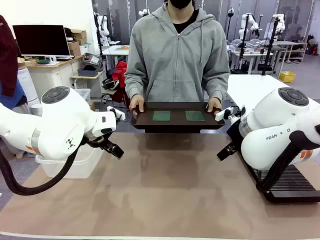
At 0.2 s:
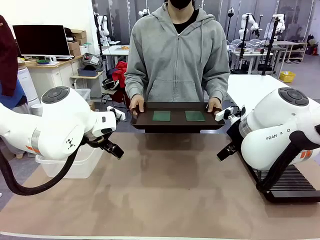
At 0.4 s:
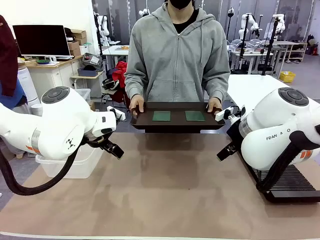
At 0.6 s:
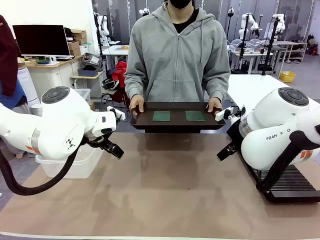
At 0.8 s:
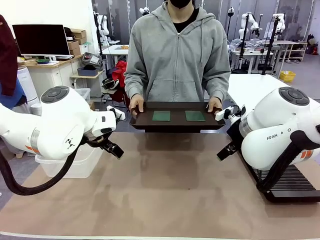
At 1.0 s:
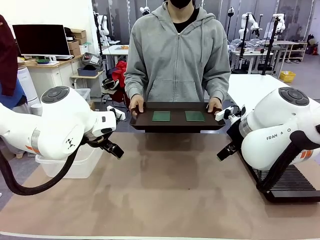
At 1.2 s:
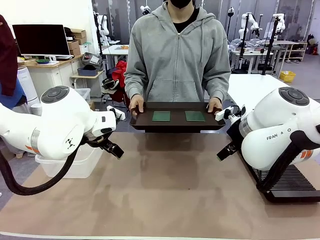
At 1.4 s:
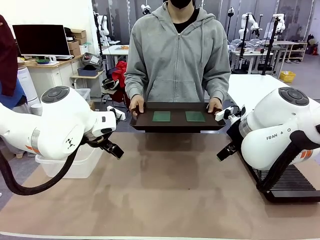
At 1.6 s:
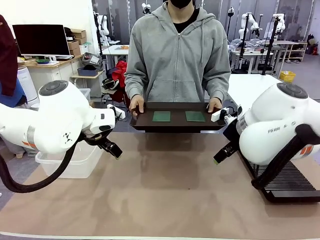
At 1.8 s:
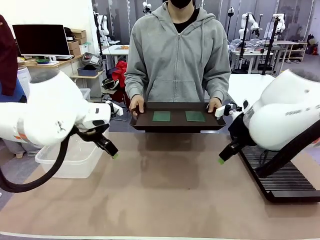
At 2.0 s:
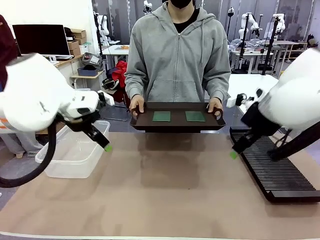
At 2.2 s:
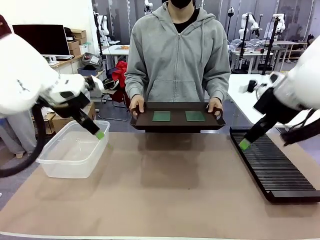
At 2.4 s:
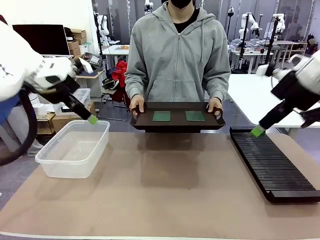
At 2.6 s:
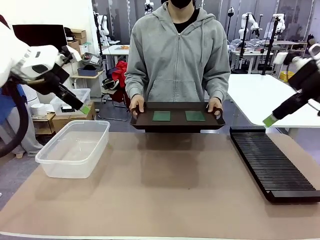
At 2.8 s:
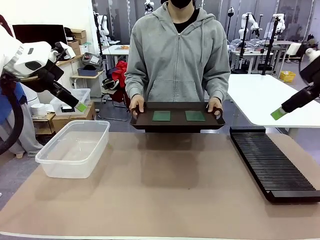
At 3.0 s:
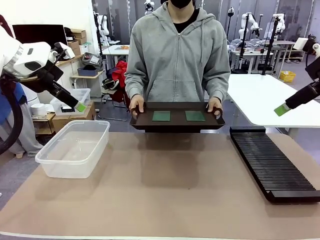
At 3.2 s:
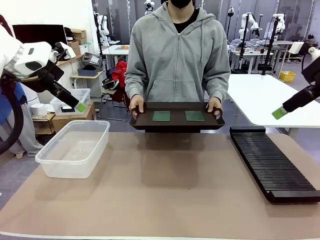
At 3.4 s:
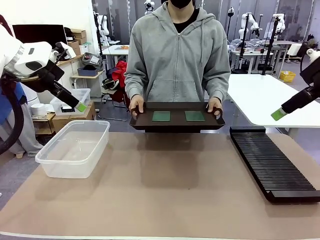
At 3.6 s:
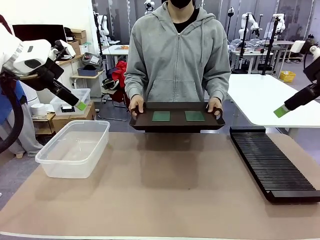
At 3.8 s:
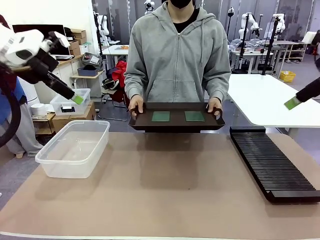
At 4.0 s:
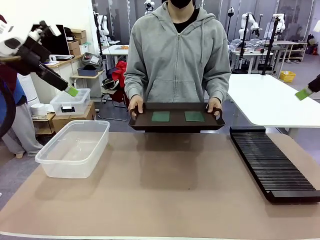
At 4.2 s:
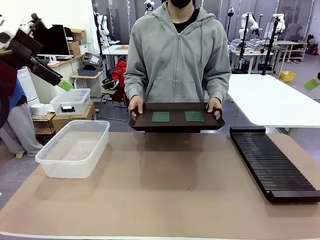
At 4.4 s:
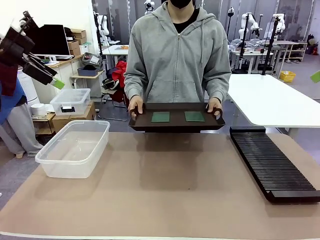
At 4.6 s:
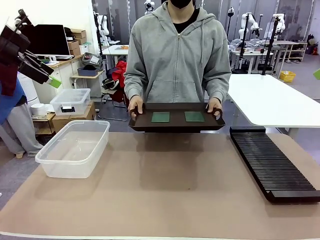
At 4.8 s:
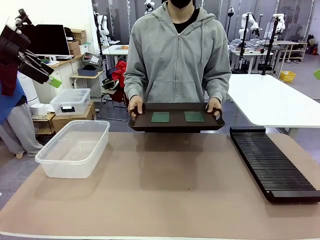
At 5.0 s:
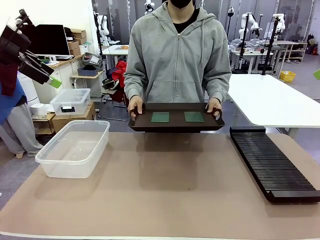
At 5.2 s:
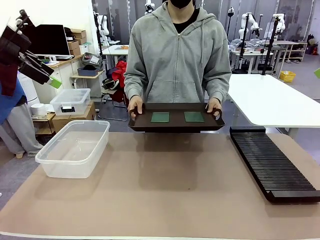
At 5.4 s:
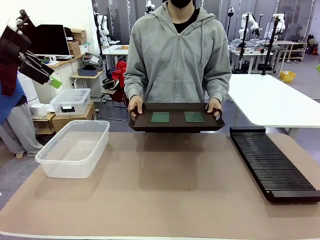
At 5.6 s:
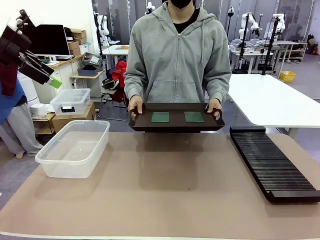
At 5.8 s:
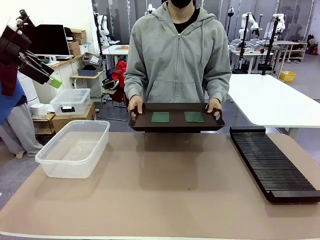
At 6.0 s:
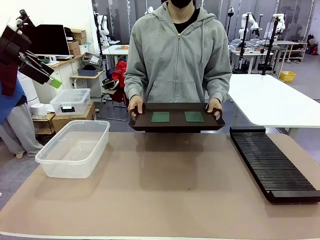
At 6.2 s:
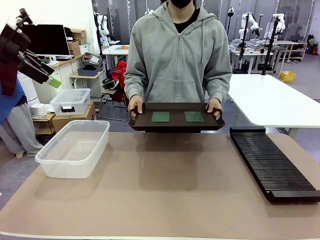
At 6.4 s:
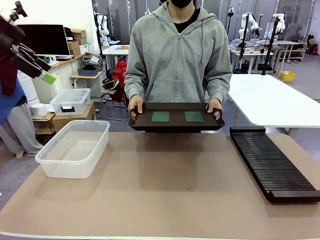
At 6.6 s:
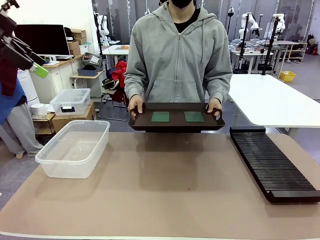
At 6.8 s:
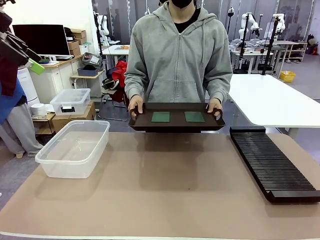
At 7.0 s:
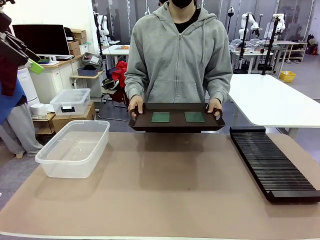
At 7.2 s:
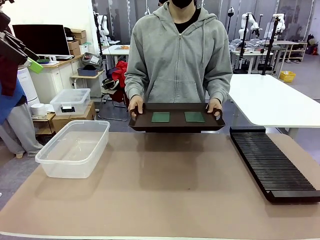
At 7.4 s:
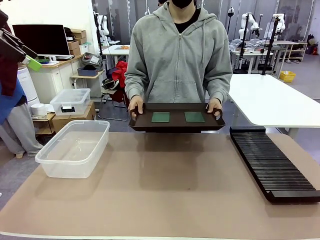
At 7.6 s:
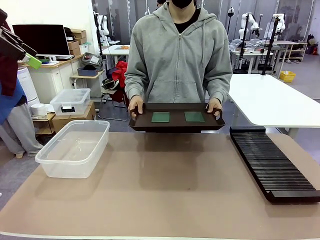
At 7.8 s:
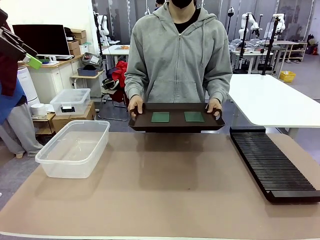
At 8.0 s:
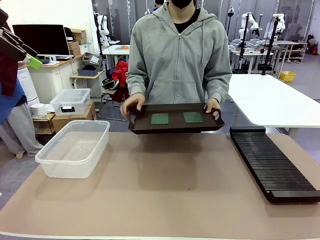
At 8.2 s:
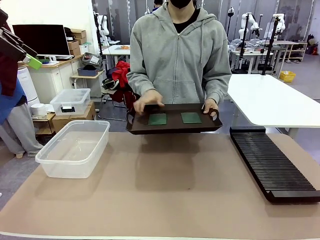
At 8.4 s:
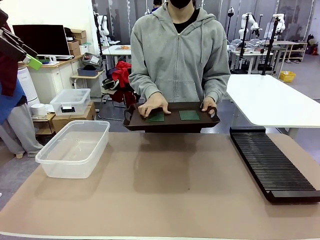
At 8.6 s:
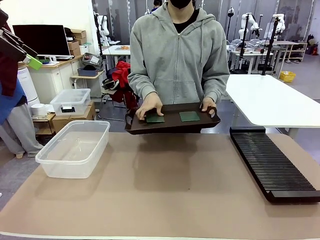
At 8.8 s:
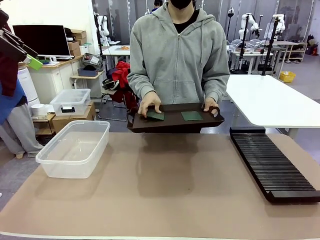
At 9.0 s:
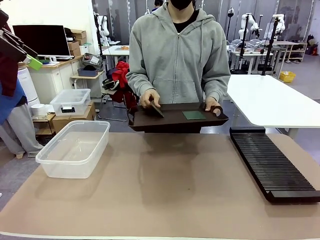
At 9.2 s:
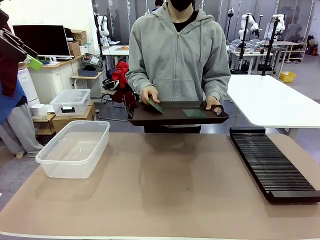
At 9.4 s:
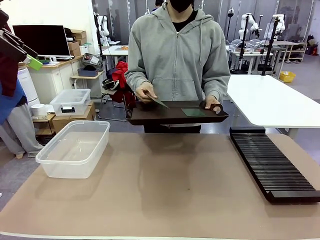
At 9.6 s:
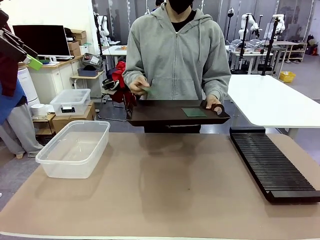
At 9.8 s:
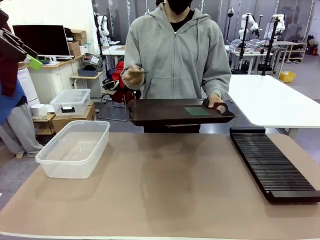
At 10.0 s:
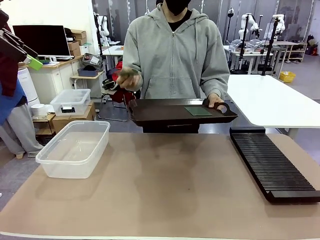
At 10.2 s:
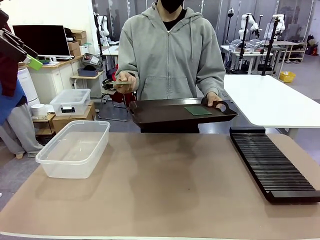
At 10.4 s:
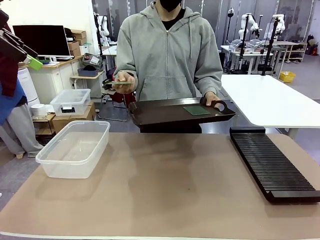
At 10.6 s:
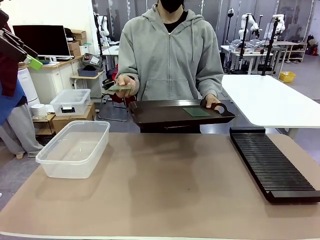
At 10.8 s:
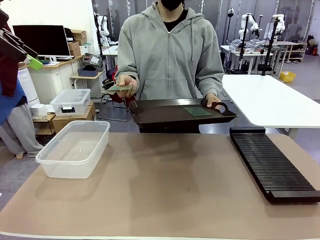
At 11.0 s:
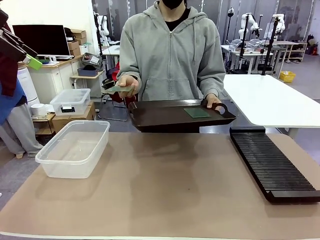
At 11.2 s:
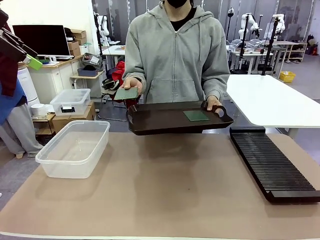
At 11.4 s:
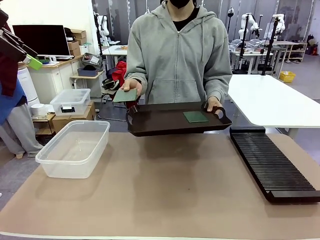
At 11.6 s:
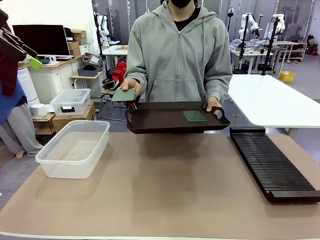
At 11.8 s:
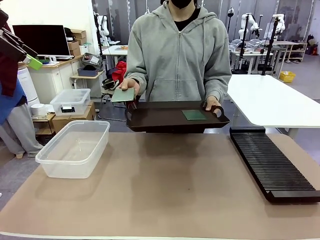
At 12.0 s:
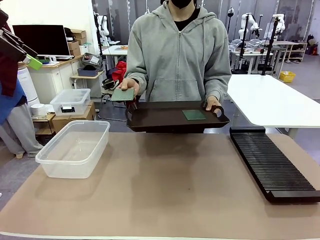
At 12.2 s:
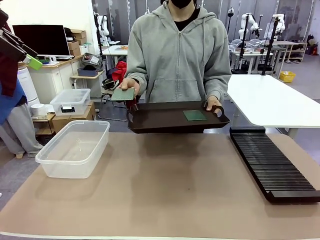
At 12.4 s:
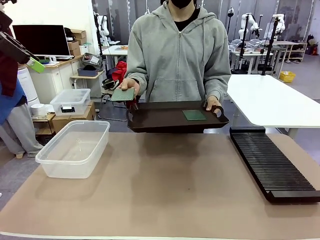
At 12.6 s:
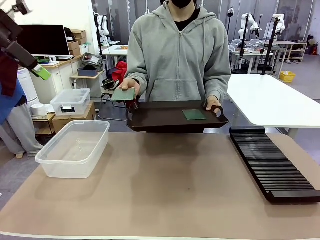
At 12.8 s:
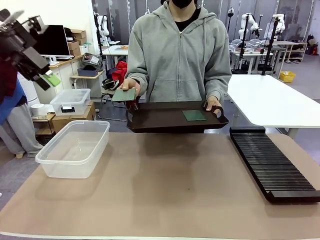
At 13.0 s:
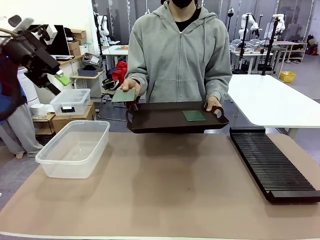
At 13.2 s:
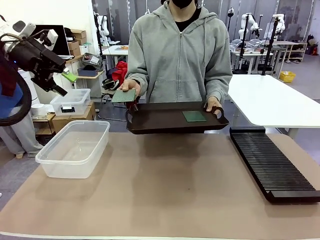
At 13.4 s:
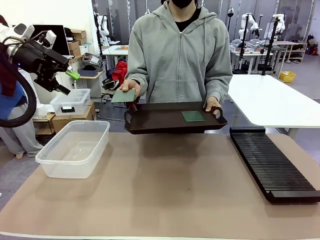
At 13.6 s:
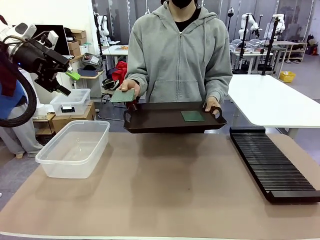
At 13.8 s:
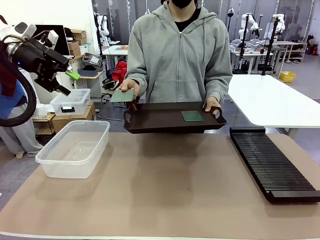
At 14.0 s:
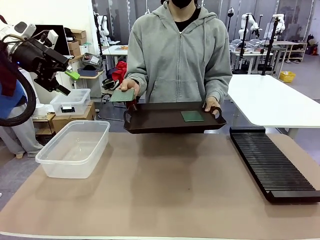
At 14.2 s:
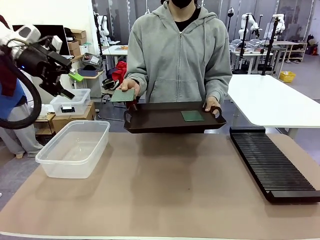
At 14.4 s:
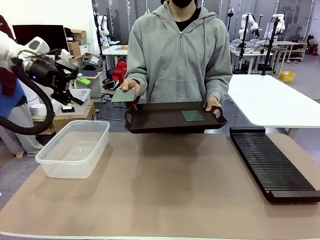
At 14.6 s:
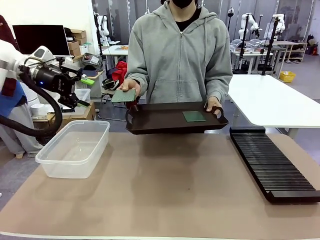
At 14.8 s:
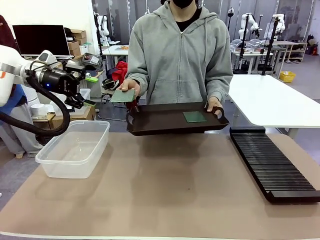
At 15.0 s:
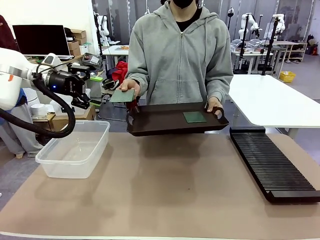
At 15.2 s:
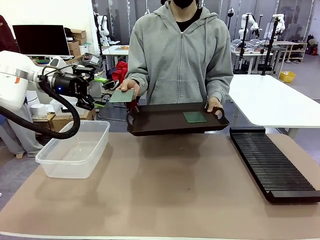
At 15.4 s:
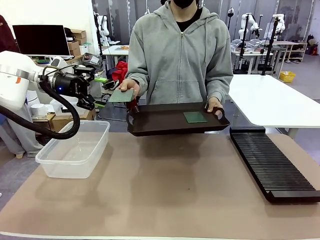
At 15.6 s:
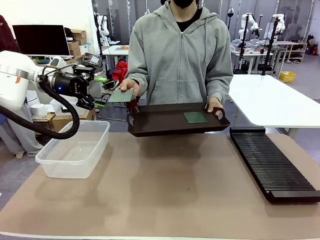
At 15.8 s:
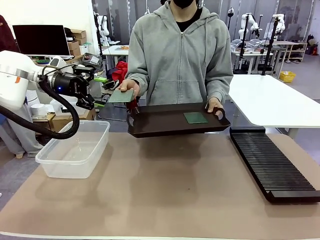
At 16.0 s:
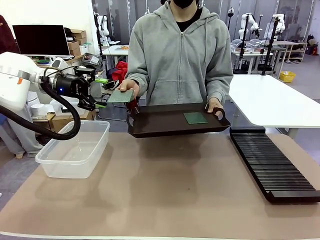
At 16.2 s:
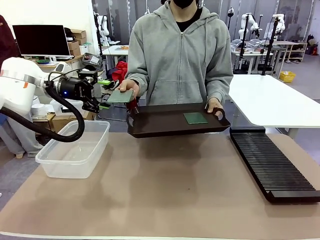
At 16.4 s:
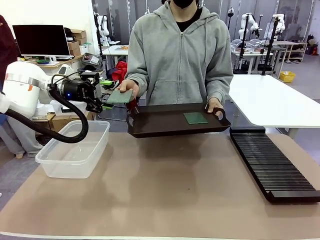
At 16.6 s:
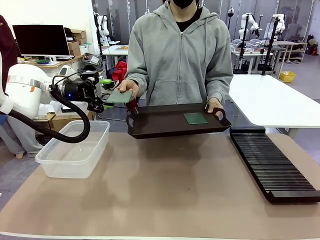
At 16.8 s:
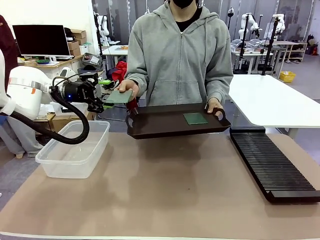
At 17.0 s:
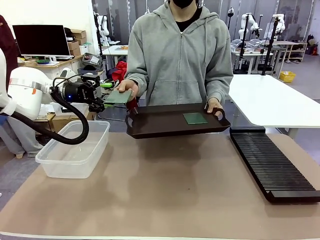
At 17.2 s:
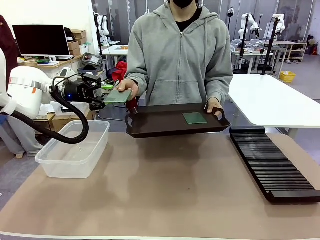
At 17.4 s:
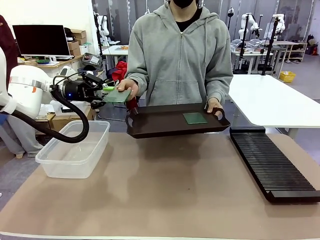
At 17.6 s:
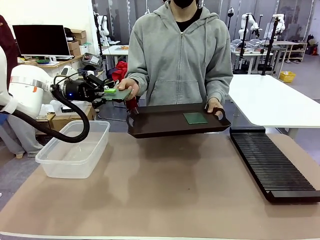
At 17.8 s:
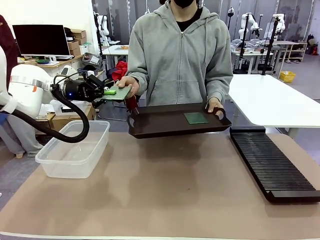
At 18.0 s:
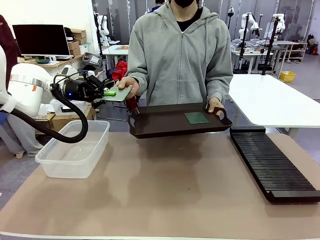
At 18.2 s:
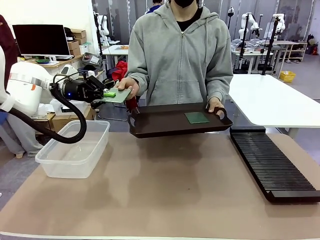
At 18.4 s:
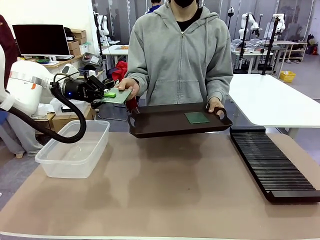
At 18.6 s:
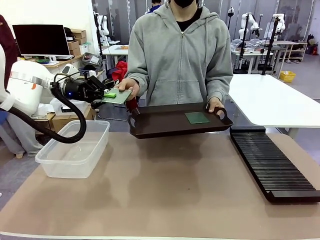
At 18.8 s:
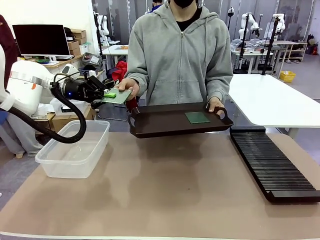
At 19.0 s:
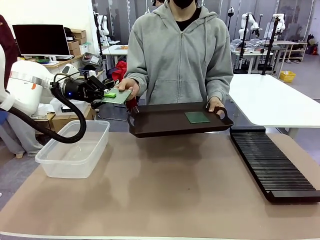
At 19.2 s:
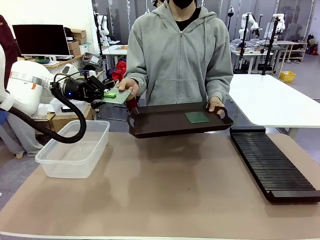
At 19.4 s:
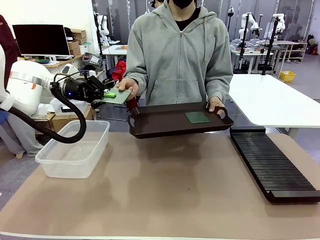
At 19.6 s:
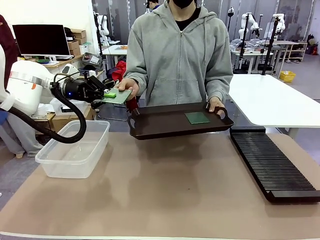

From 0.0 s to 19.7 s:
Task: Sort PCBs into racks and boxes based on the side picked up.
Robot: Pick up the Blank PCB handed by the Human.
Person: Pick one PCB from the tray and present it to the robot. Release the PCB being held.
